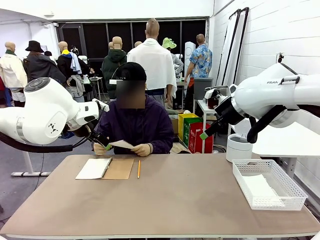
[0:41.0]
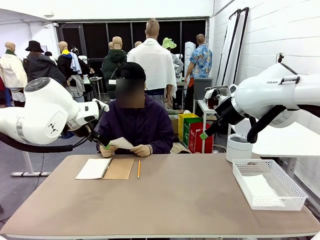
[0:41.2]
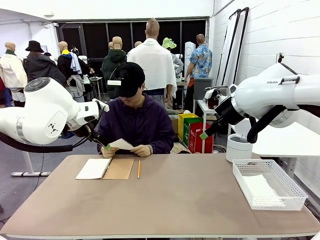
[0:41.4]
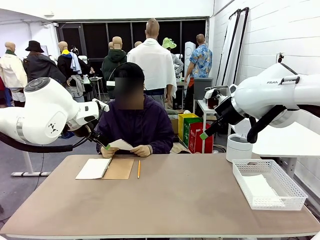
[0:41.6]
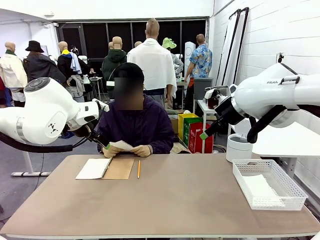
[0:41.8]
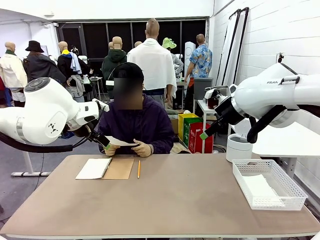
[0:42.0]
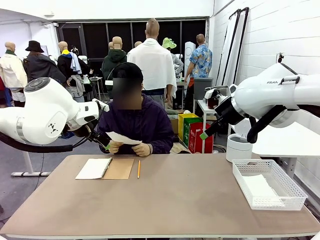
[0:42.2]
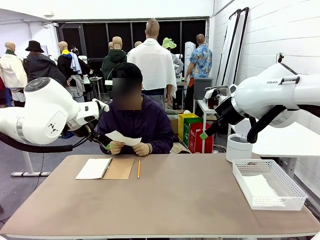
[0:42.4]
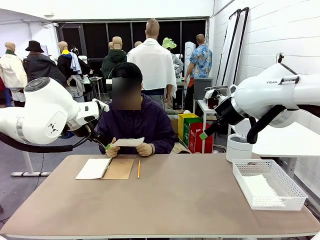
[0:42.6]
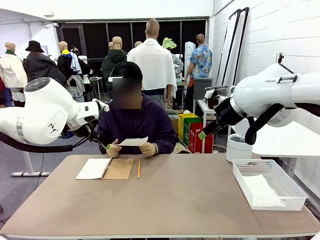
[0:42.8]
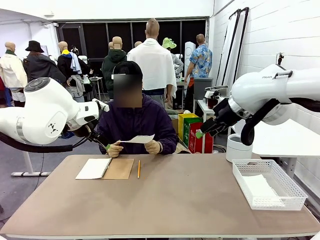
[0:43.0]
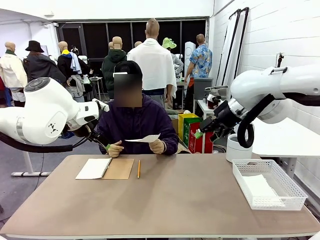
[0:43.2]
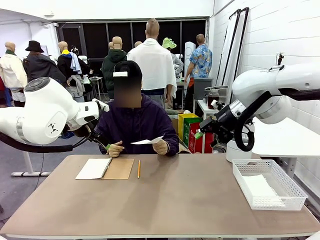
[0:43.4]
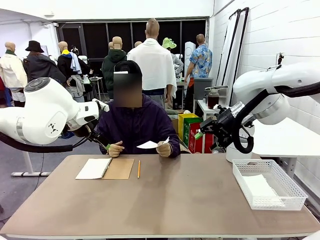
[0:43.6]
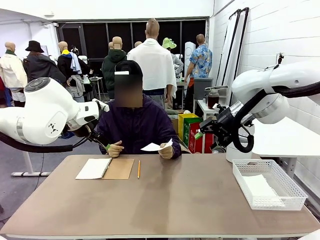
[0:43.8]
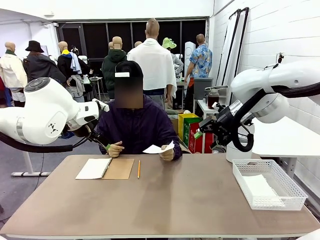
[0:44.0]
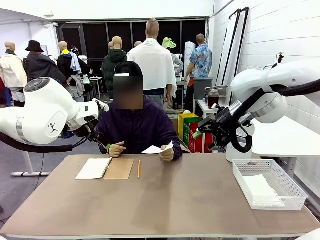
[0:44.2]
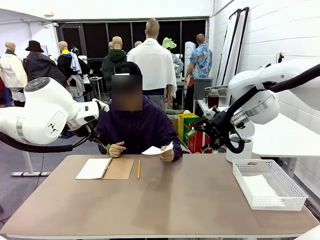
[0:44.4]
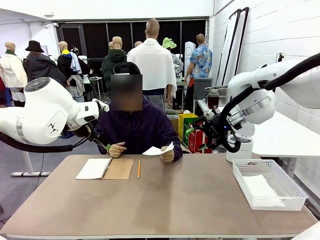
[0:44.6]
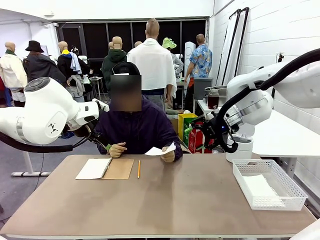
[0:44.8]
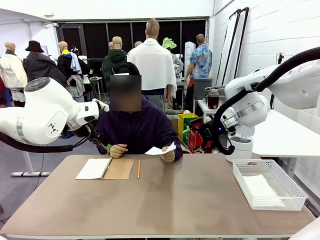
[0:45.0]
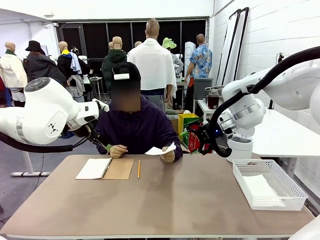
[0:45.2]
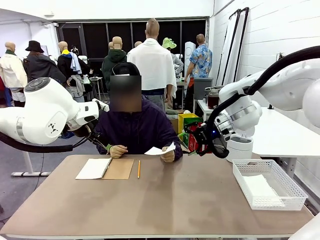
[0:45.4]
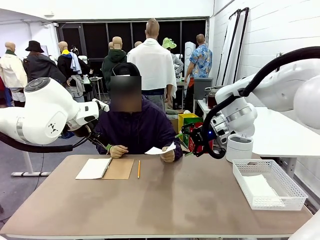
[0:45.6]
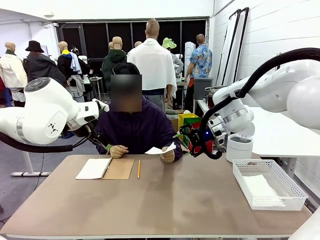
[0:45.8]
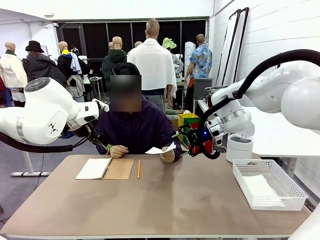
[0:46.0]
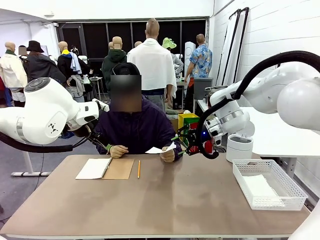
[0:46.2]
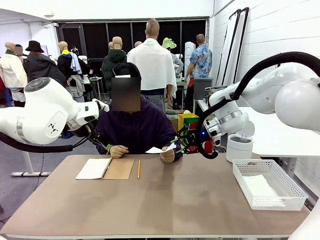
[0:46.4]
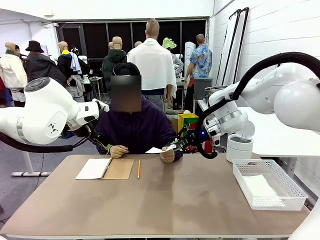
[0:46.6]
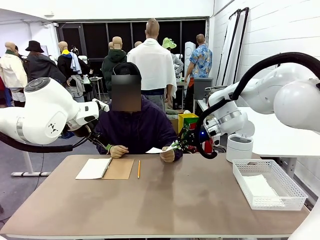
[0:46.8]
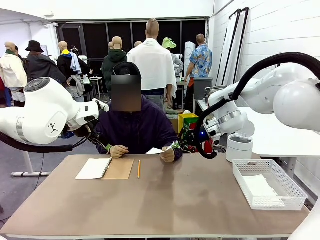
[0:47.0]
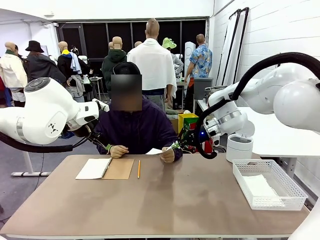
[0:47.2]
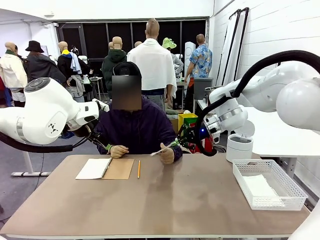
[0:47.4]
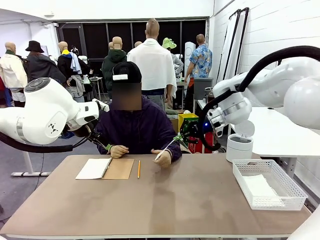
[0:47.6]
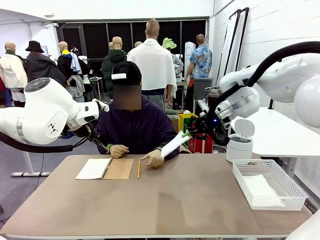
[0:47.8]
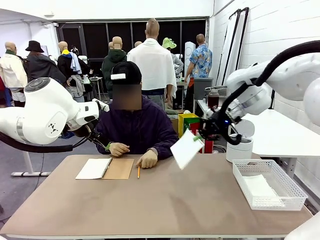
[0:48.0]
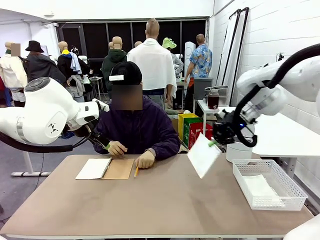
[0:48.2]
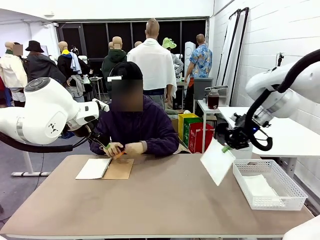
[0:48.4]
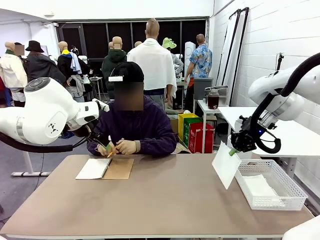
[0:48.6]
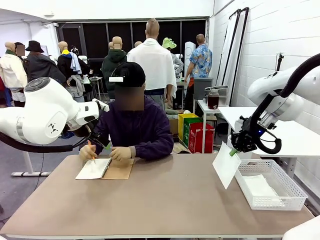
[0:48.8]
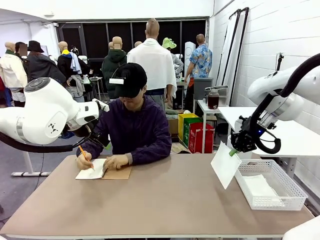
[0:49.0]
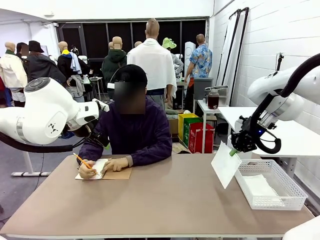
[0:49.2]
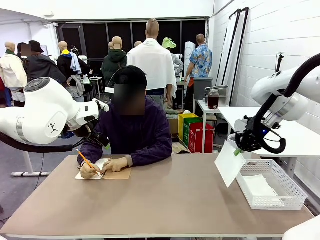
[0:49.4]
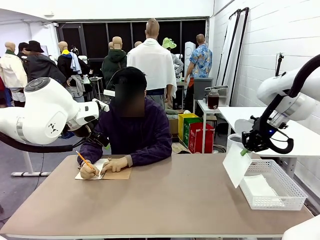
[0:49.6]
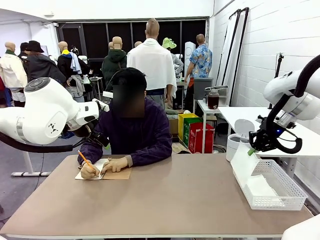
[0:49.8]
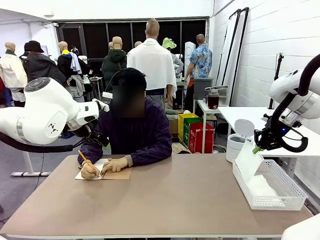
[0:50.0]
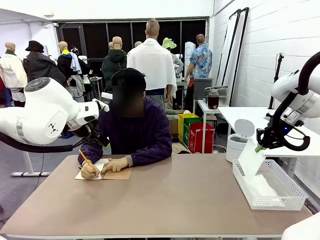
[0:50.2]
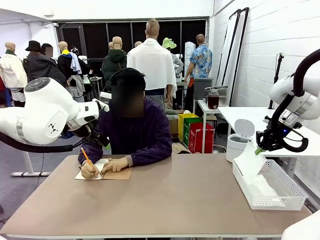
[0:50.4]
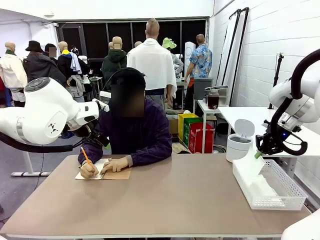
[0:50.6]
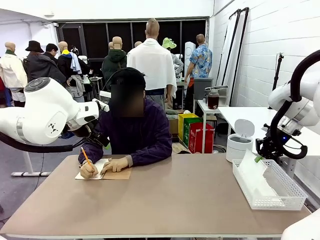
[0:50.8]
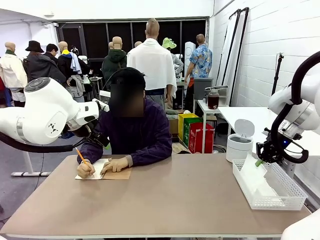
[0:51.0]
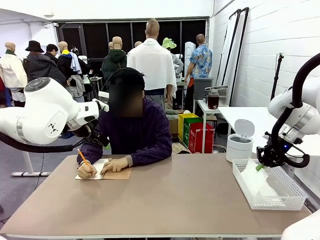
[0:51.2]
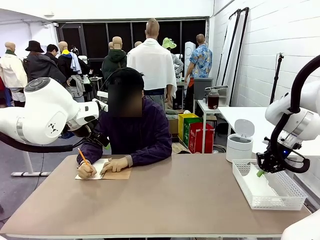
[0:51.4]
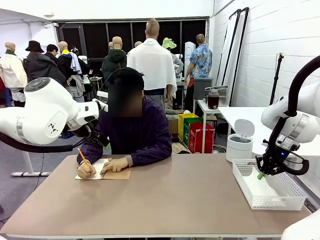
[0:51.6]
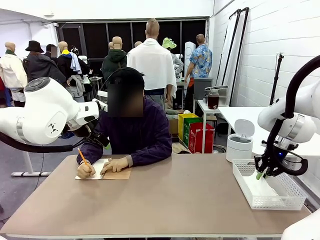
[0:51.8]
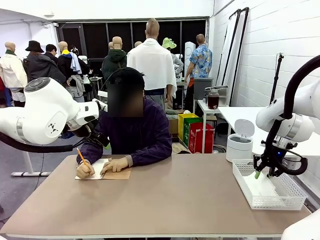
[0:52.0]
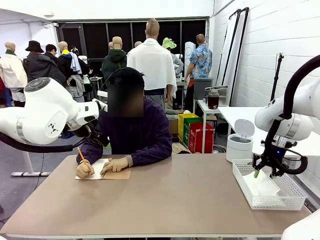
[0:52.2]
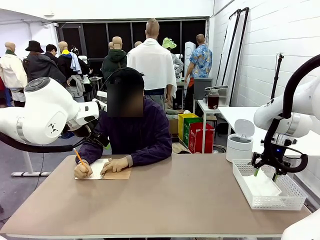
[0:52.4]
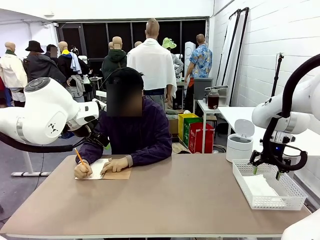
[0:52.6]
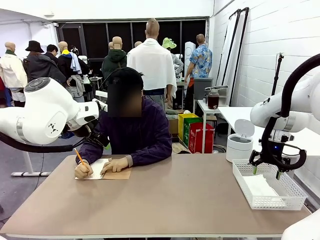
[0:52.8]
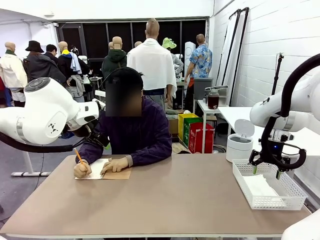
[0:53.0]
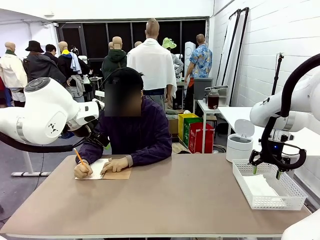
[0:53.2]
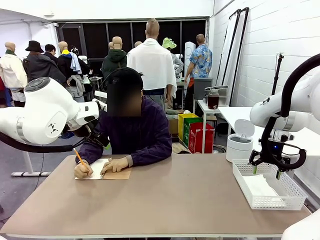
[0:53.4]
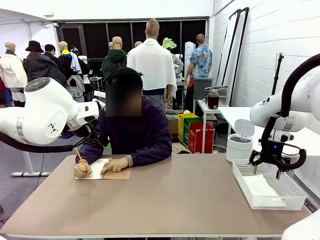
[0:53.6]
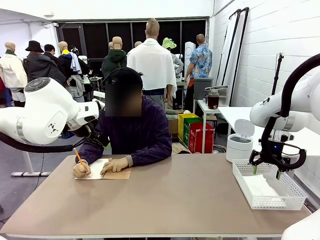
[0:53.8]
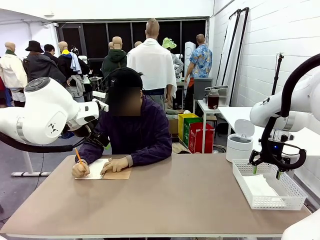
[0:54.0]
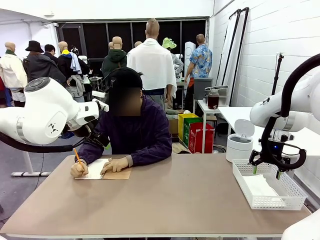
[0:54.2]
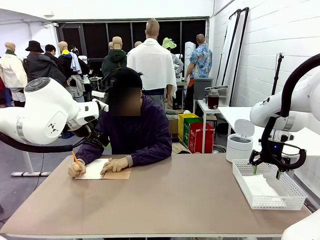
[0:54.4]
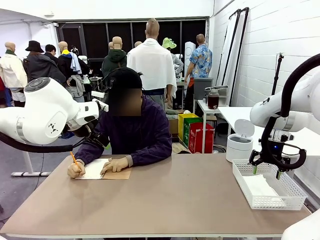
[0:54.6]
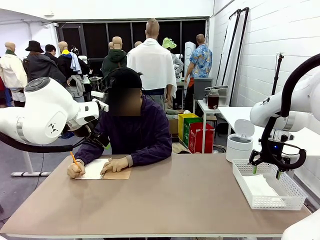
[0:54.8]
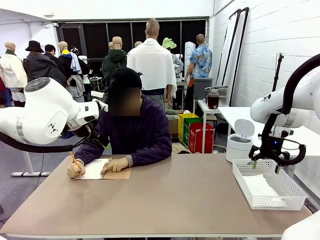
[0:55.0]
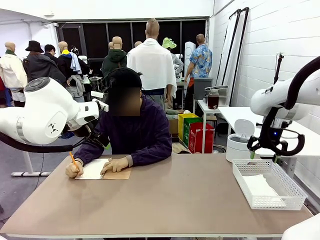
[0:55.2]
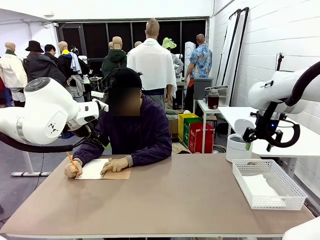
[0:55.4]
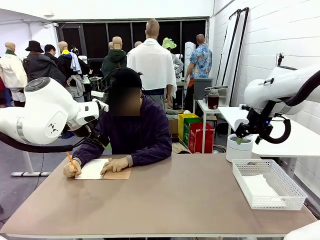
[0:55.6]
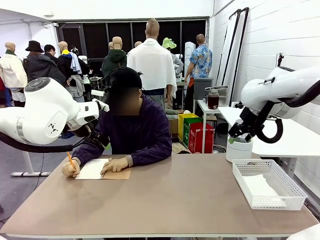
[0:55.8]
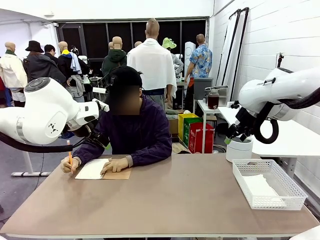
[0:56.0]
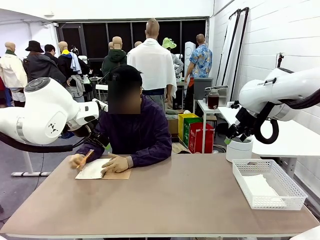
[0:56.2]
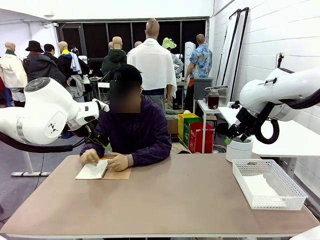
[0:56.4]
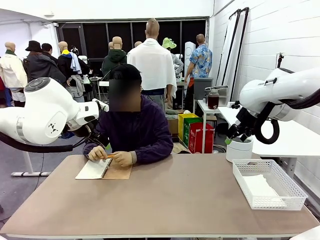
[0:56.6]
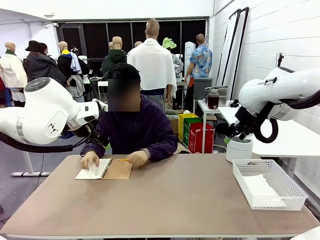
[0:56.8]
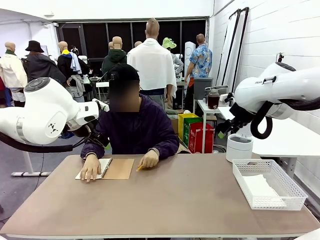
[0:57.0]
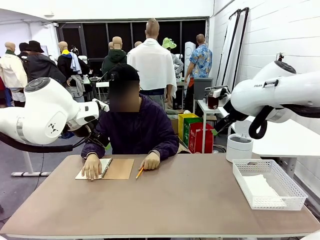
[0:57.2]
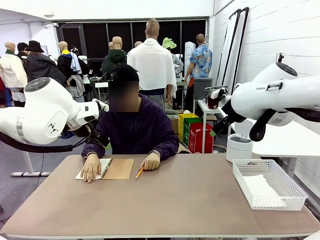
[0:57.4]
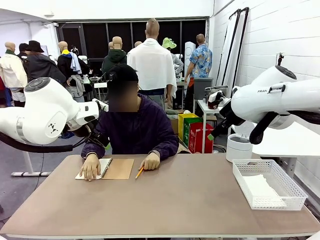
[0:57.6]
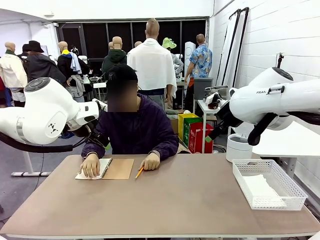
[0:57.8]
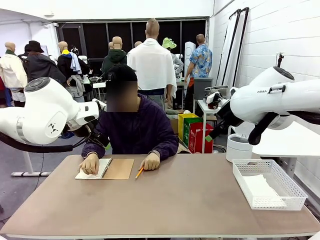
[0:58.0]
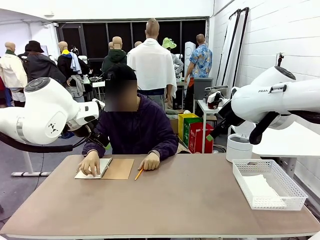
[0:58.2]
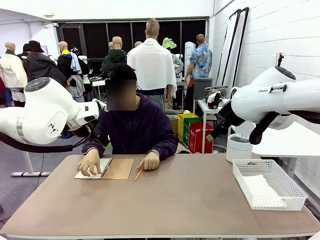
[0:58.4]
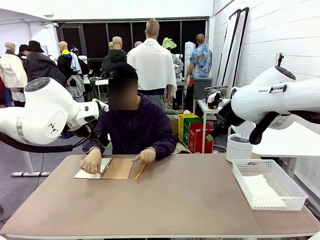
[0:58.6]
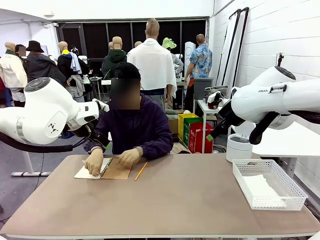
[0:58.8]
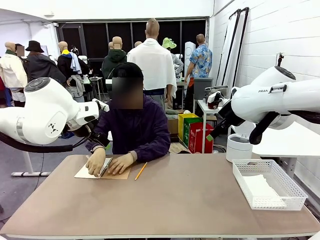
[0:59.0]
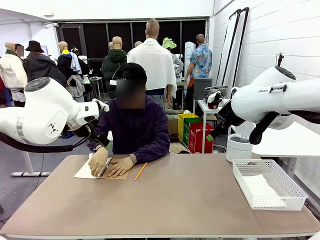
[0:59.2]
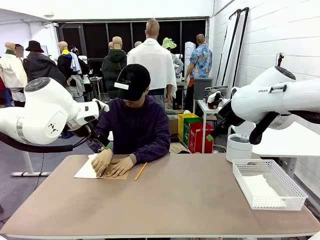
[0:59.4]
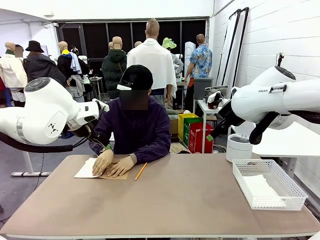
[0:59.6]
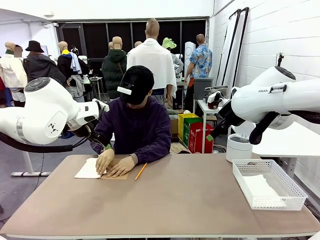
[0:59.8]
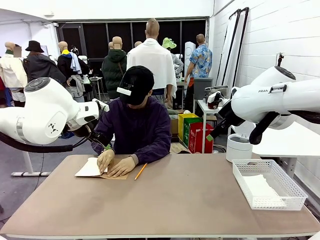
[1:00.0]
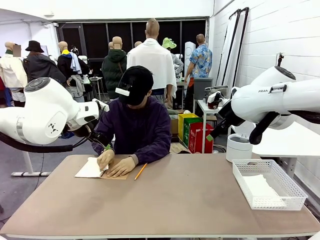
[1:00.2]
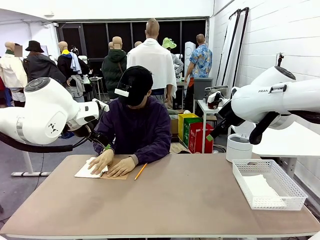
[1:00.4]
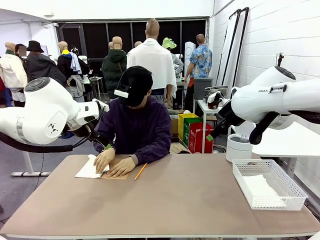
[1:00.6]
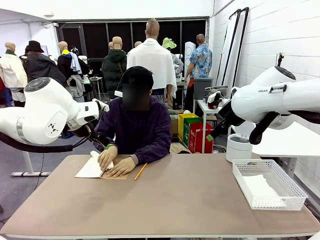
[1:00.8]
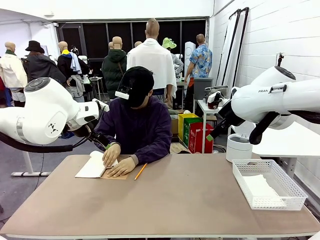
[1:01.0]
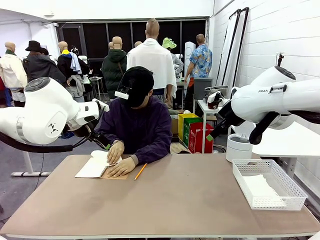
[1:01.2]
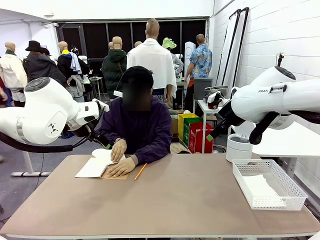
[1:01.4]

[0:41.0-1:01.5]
Task: Sort the paper based on its condition.
Robot: If a person hands you a paper, place it in the Organizing basket , and if it's crumpled, put it in the Trash can.
Person: Hand the torn page to the robot or crumple it and throw it to the center of the table. Tear out a page from the spiral notebook.
